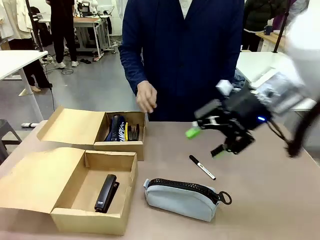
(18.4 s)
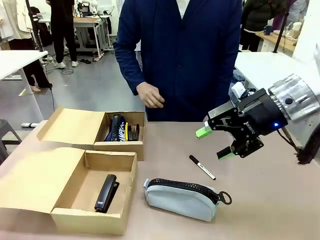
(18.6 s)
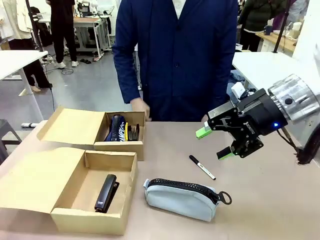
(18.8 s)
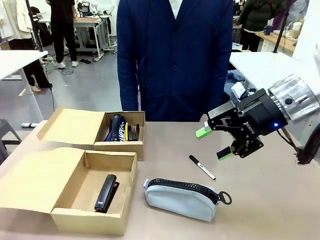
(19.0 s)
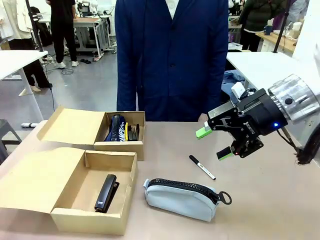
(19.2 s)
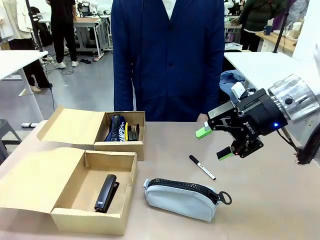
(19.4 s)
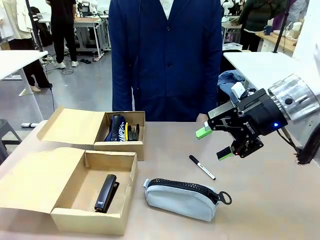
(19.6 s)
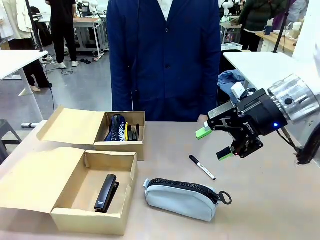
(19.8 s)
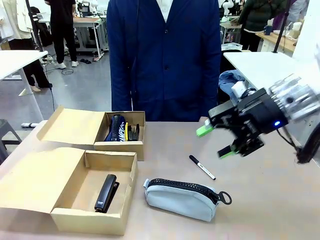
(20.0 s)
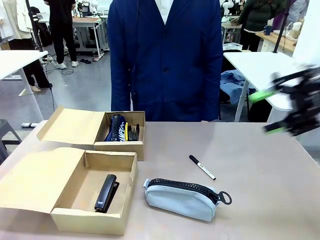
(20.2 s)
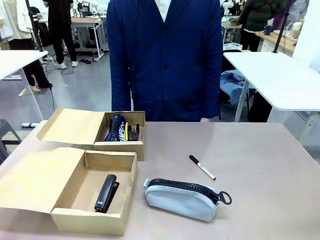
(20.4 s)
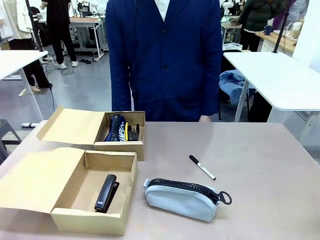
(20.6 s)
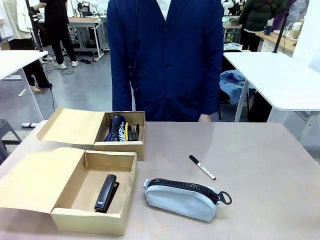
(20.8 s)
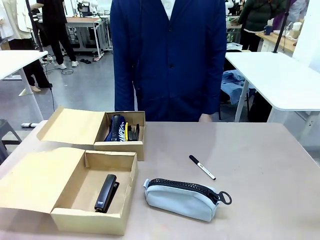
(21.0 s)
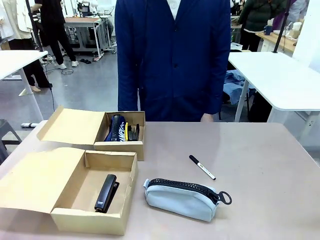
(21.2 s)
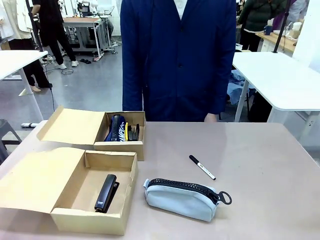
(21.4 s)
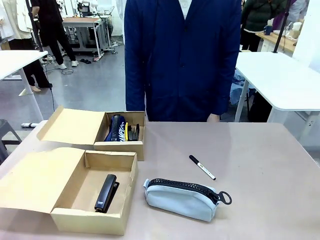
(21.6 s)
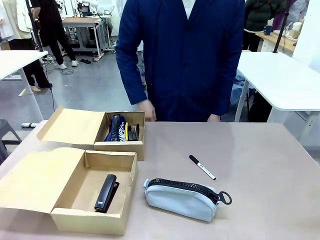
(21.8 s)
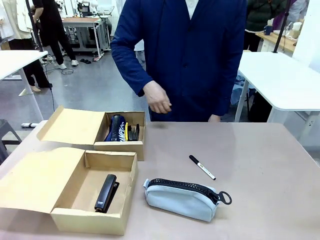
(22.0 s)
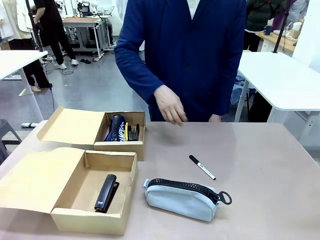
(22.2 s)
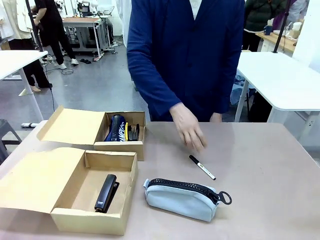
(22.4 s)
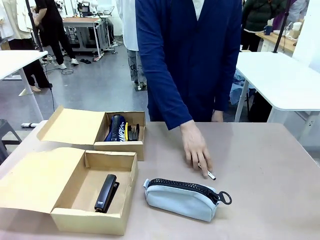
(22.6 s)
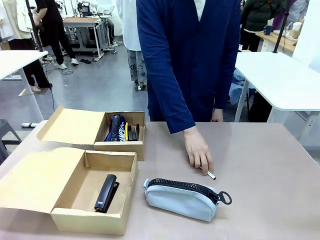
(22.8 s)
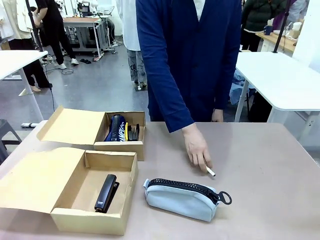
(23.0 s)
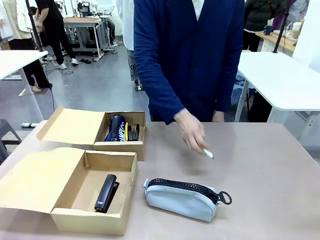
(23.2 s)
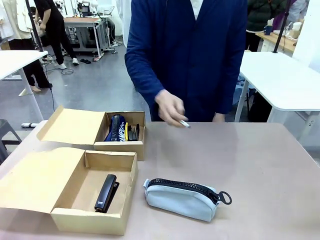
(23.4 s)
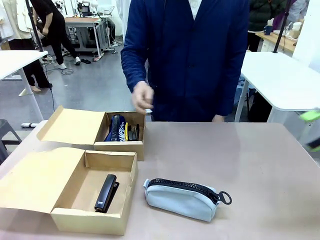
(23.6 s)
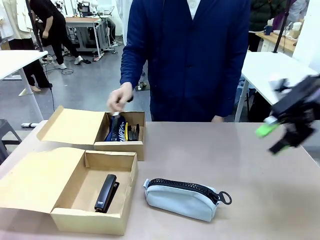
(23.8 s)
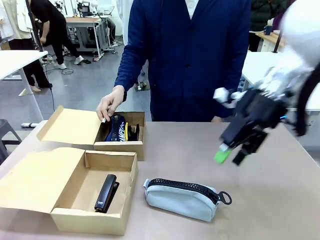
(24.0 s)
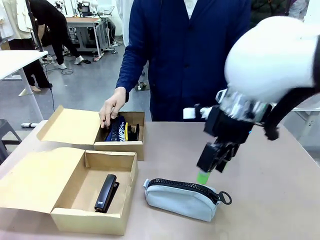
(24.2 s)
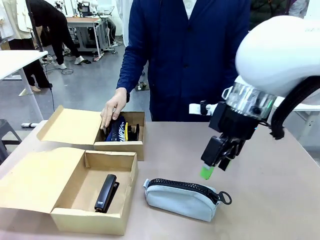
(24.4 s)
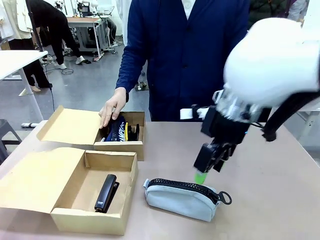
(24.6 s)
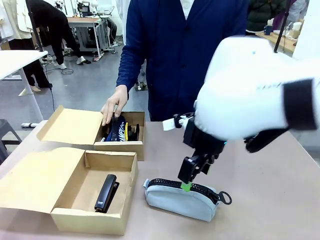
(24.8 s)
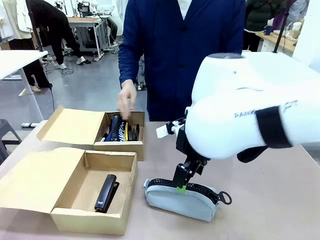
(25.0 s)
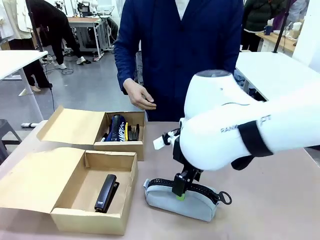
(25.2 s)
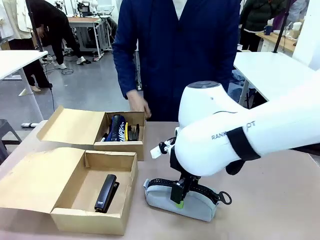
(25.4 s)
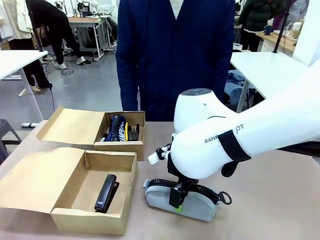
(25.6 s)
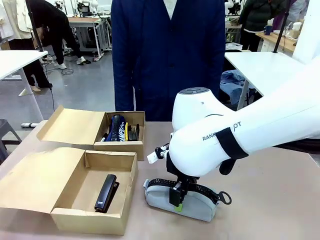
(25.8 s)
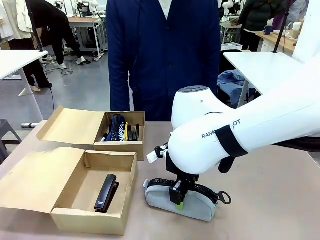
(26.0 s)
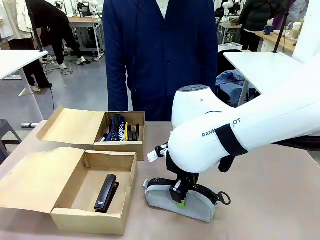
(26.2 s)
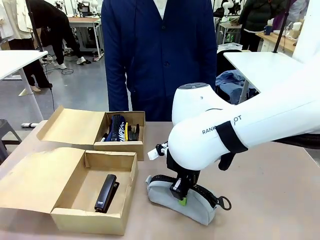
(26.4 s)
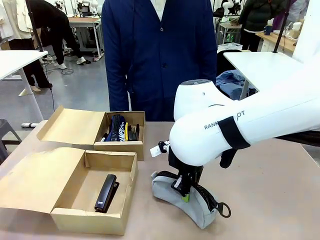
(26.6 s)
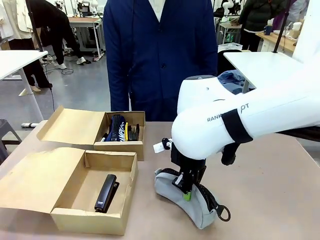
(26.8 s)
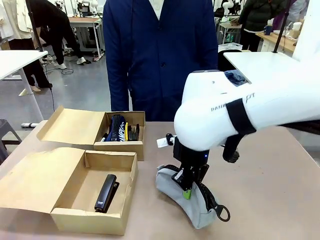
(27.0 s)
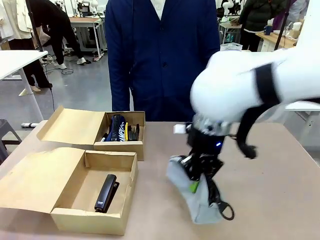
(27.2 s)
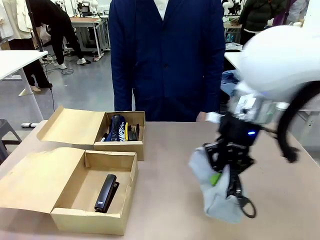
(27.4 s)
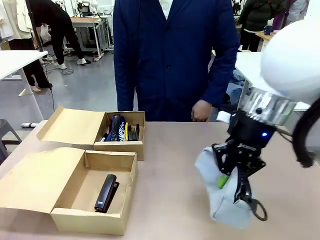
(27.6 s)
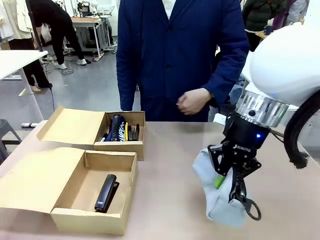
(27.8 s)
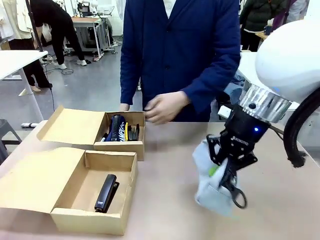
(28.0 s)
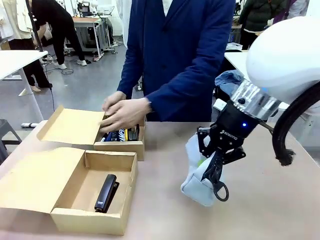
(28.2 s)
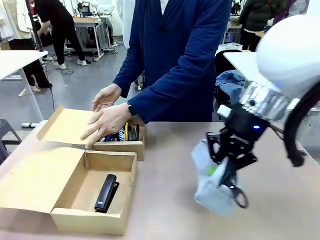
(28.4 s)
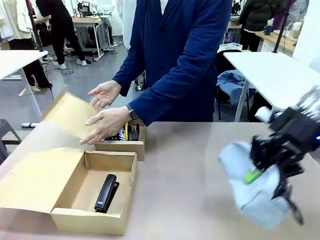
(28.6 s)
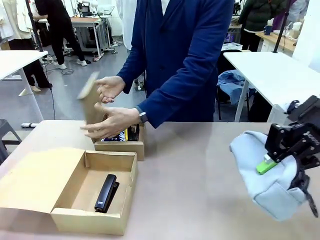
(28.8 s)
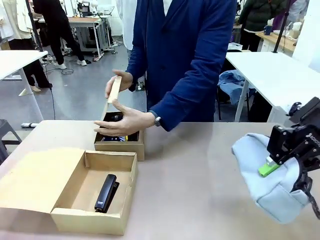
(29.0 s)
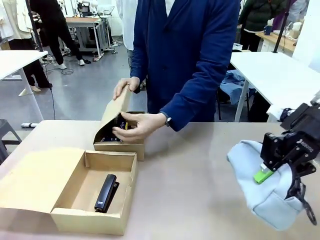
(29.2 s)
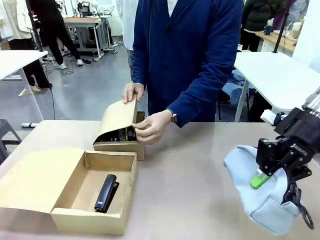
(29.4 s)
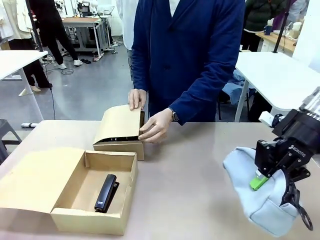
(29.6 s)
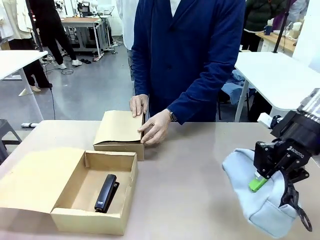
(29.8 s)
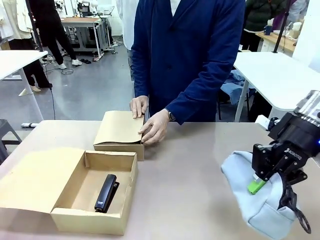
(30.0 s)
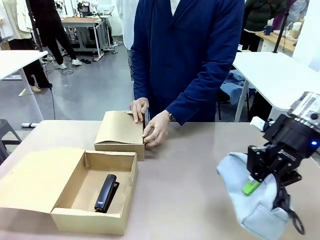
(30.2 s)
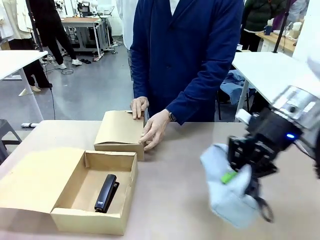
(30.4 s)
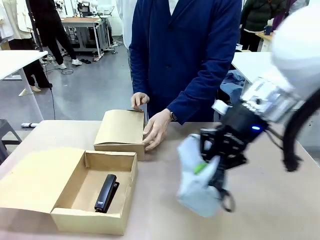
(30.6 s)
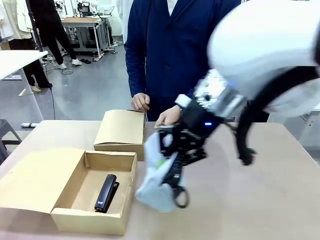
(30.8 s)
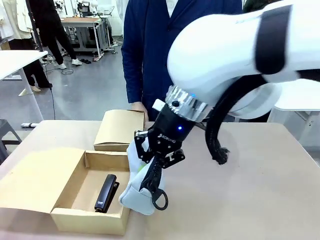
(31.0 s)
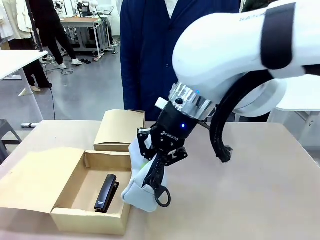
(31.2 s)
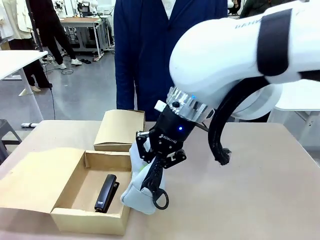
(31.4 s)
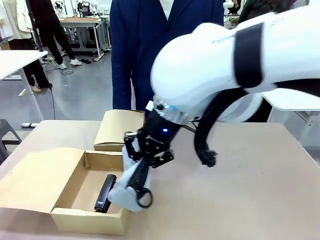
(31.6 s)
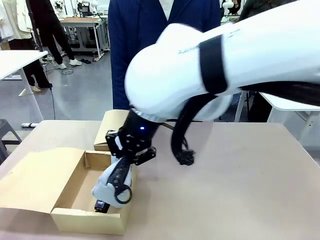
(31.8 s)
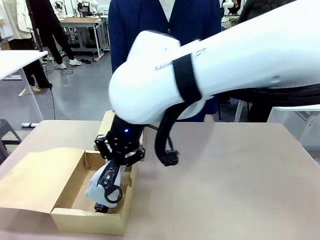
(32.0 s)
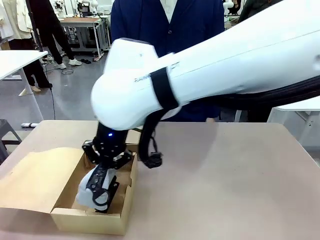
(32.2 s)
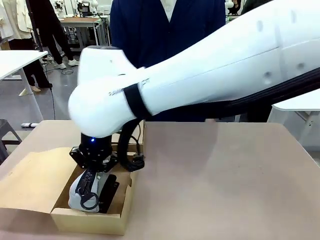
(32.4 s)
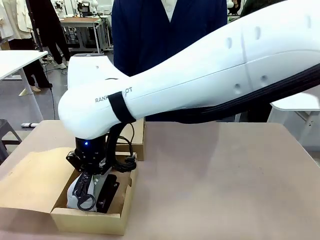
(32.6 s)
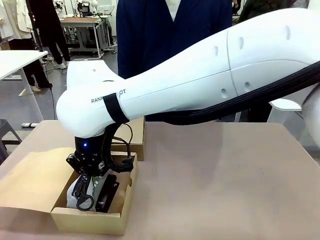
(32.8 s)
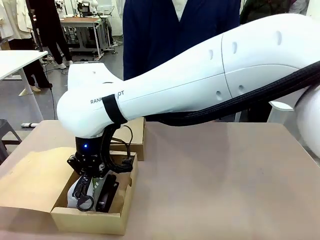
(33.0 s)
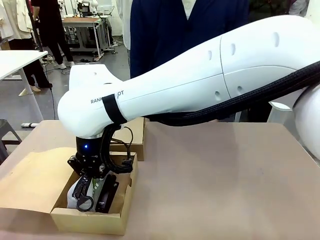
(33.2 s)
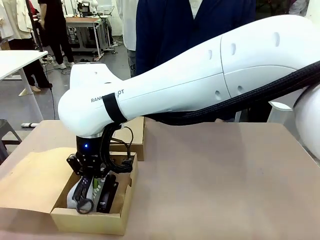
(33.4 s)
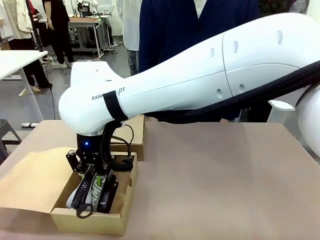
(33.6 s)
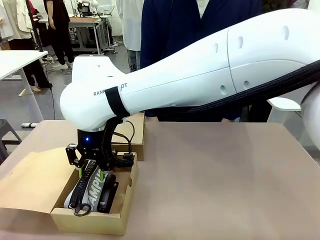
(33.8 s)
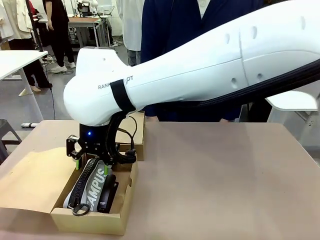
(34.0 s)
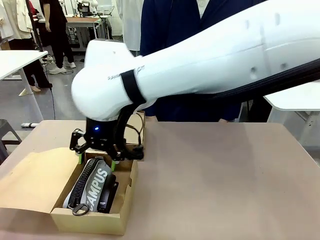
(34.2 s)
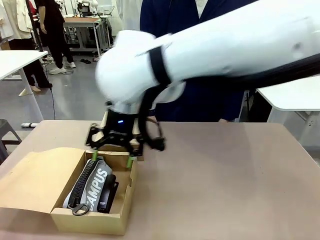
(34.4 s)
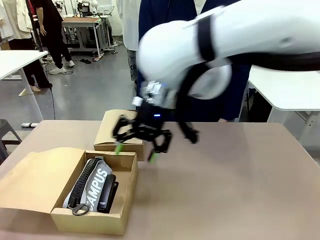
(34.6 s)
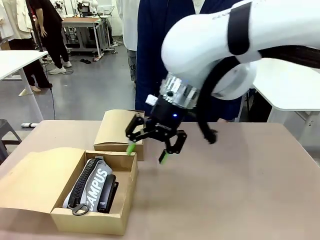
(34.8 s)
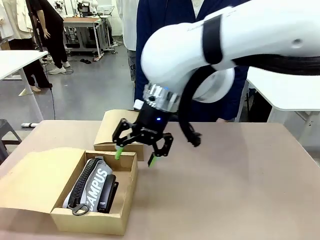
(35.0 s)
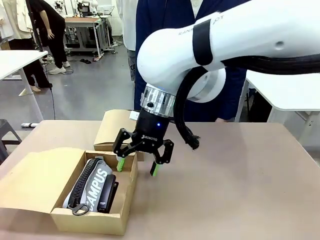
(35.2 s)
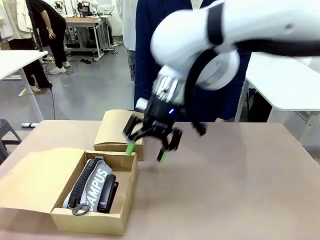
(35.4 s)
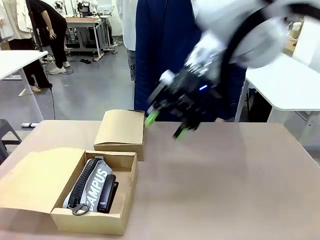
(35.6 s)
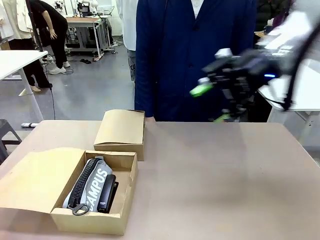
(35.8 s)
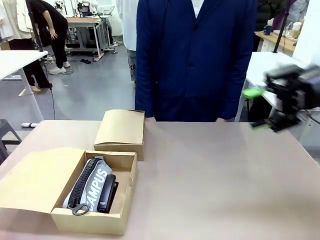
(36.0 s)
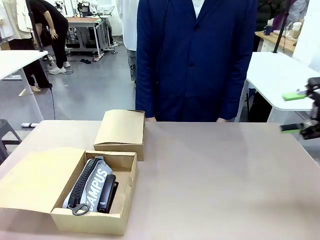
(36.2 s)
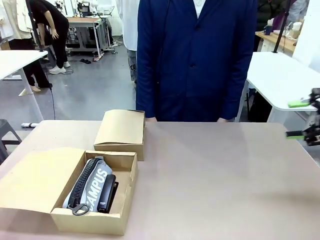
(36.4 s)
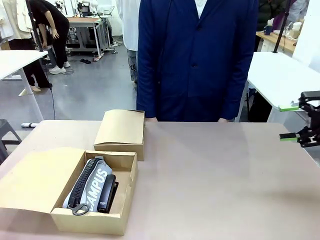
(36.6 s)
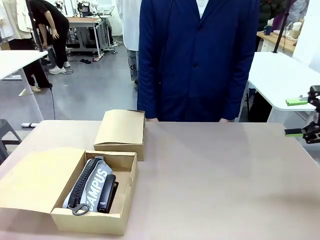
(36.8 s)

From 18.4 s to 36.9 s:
Task: Place items inside the box.
Robot: Pick up a Pencil pouch or Stapler and place it inside the Mailer Box closest to the robot.
